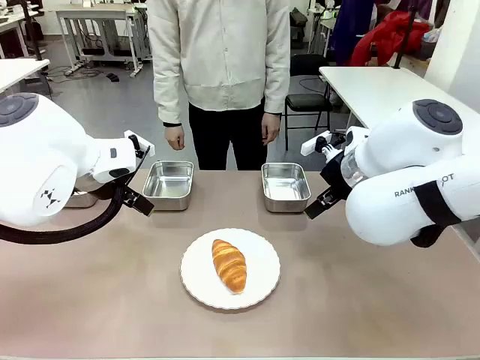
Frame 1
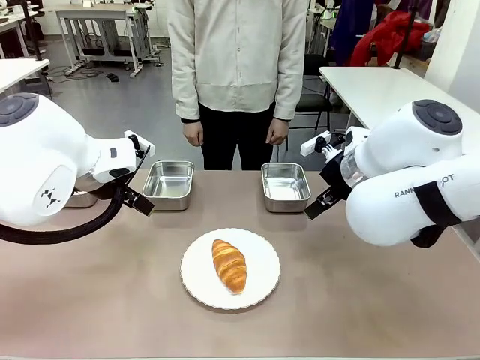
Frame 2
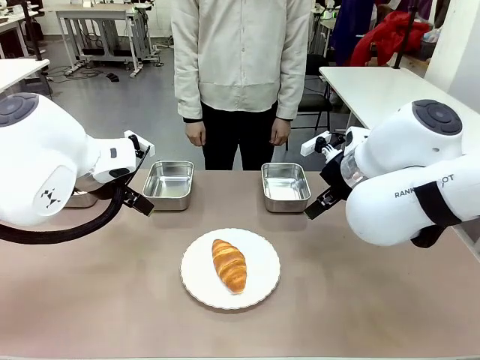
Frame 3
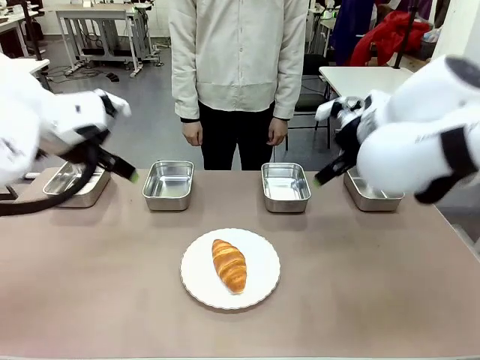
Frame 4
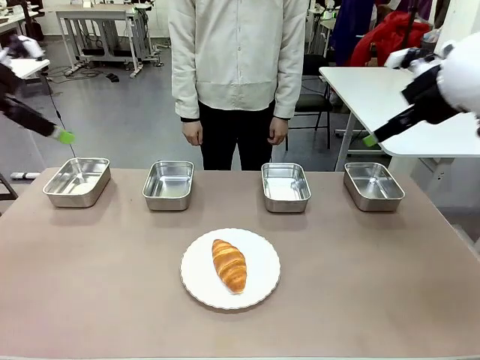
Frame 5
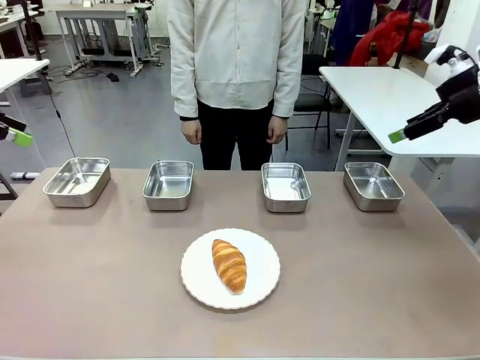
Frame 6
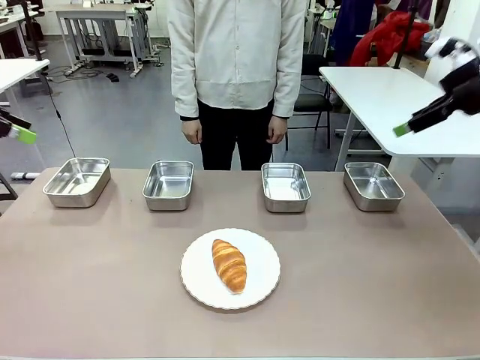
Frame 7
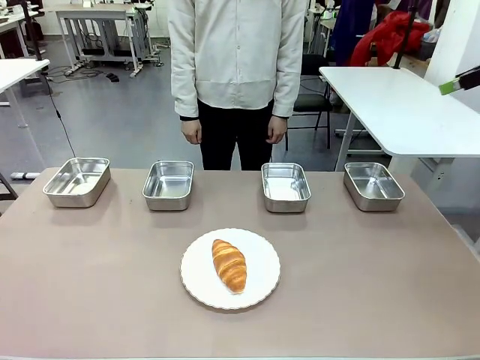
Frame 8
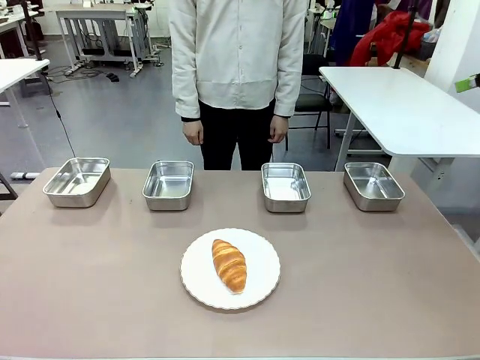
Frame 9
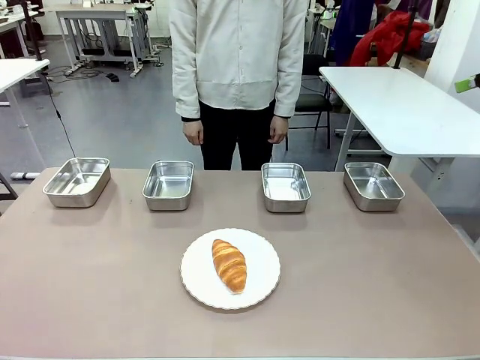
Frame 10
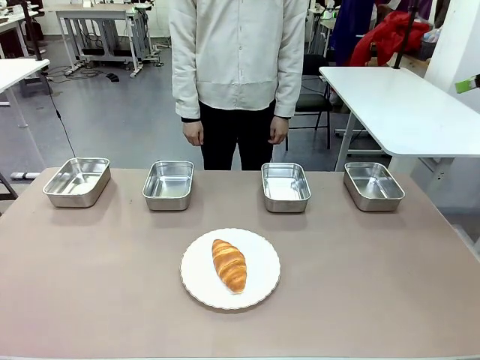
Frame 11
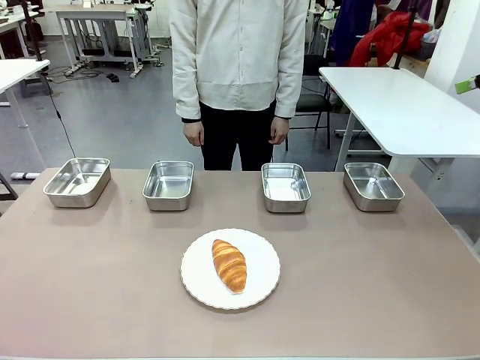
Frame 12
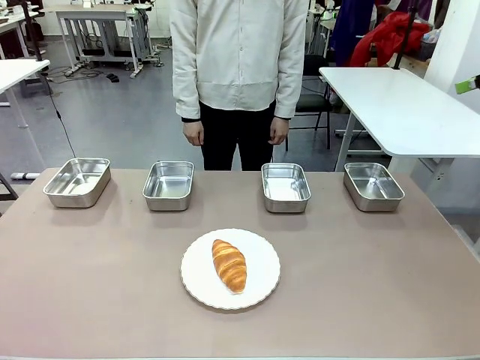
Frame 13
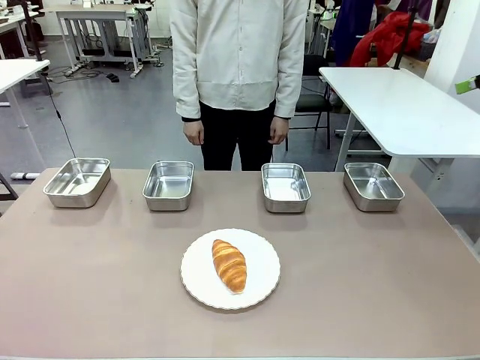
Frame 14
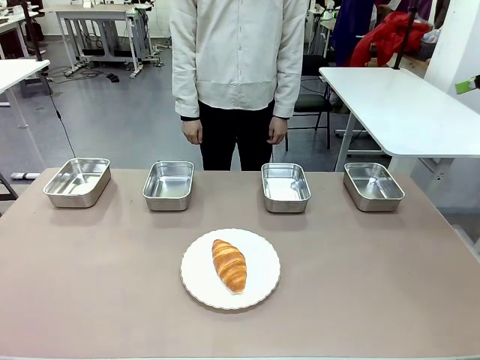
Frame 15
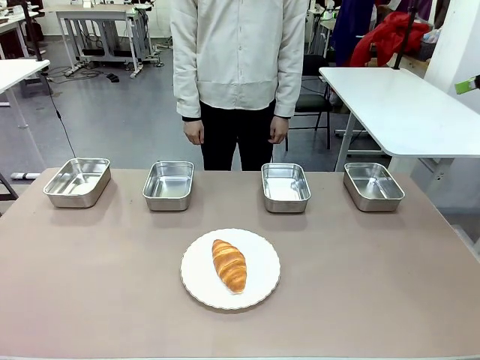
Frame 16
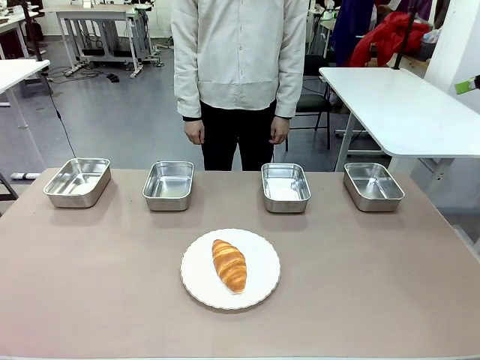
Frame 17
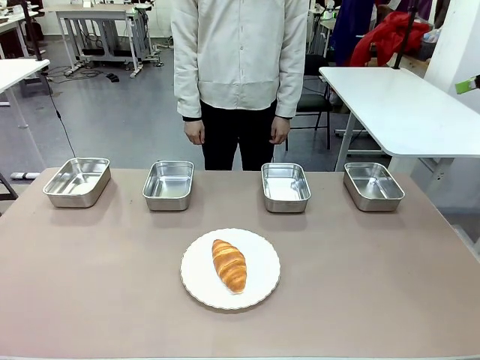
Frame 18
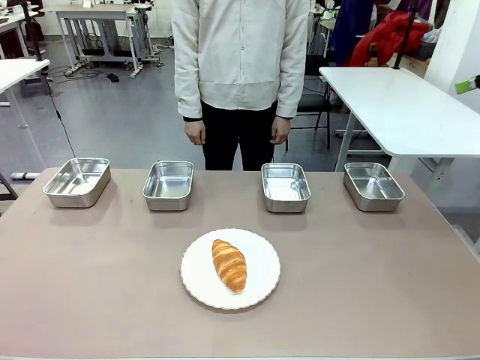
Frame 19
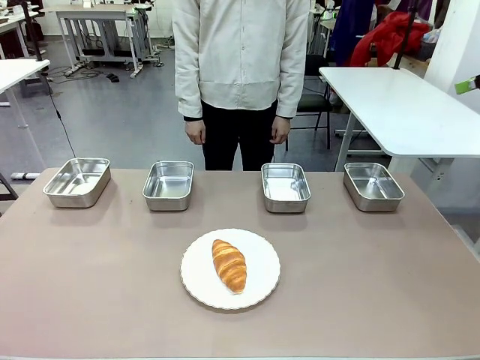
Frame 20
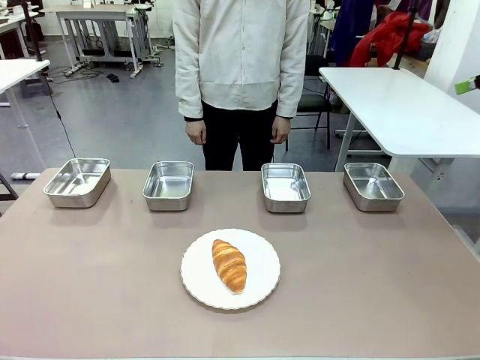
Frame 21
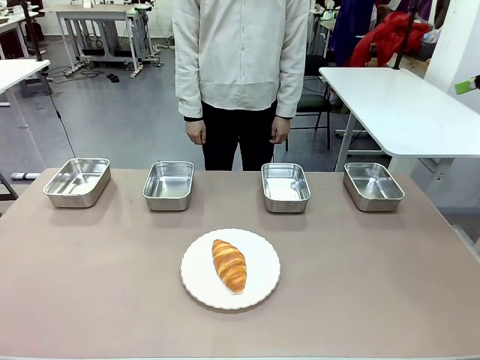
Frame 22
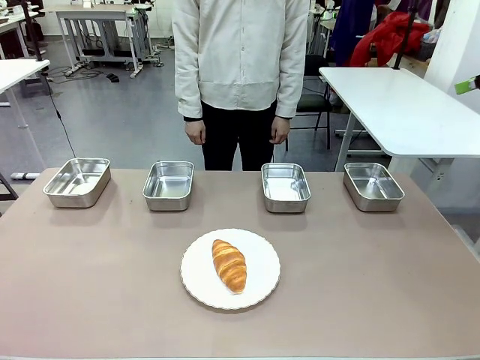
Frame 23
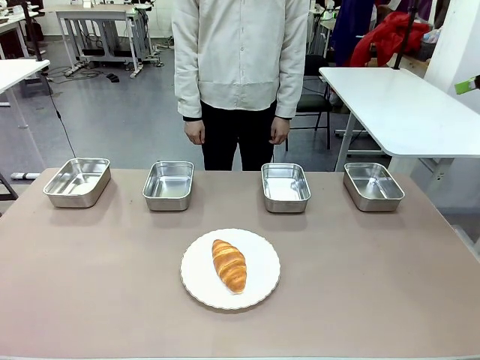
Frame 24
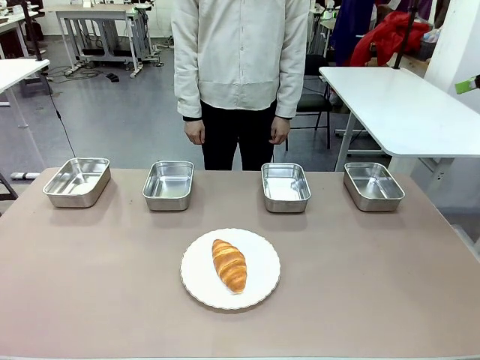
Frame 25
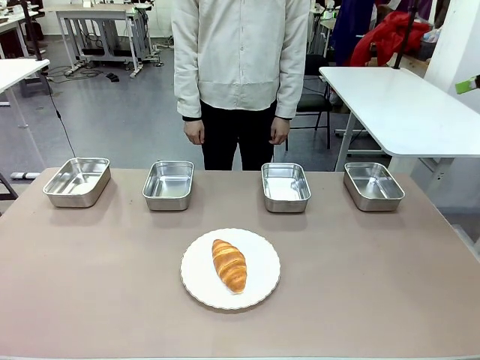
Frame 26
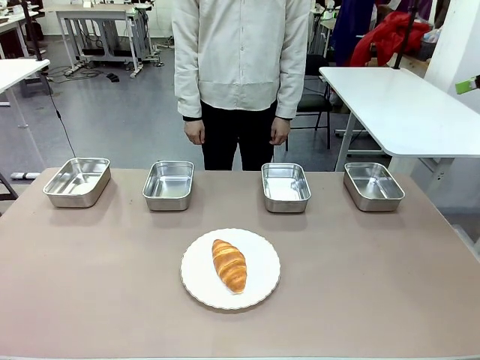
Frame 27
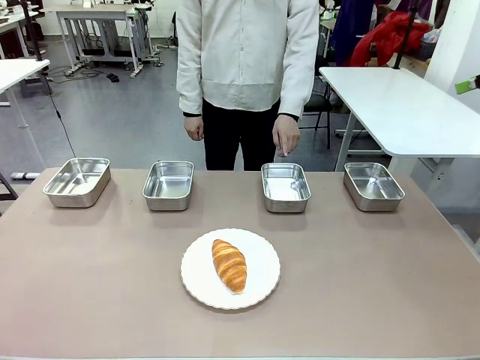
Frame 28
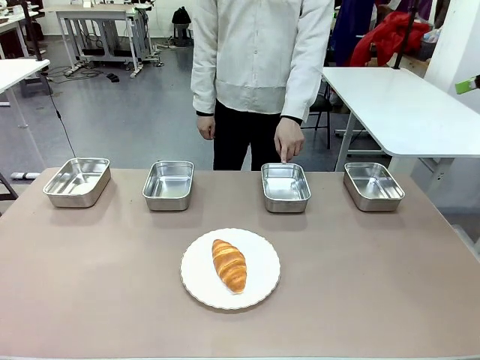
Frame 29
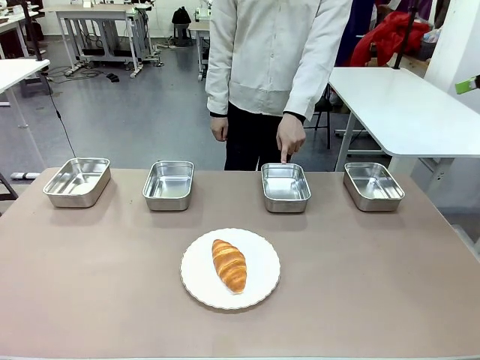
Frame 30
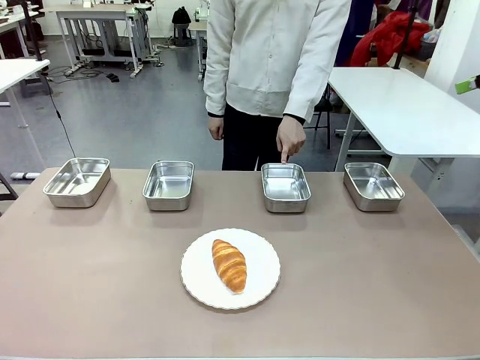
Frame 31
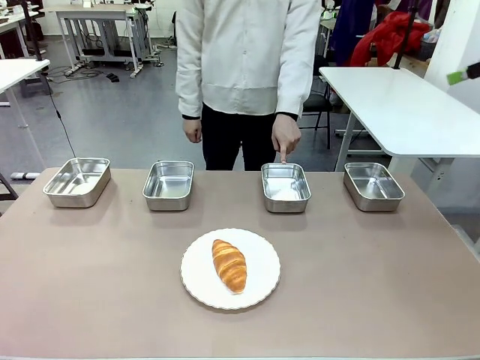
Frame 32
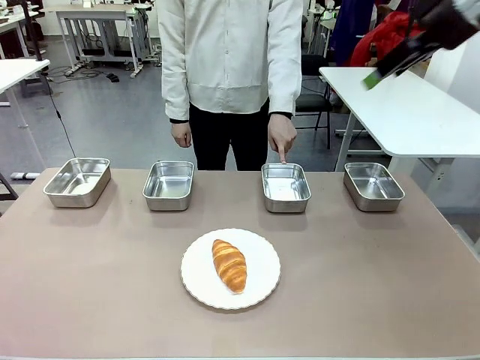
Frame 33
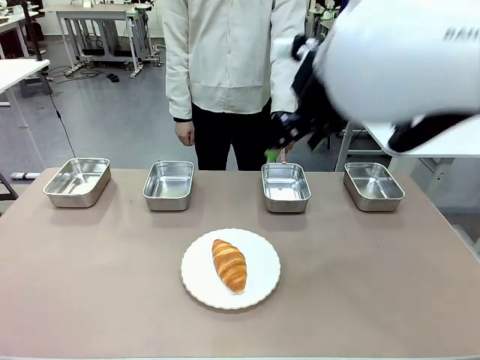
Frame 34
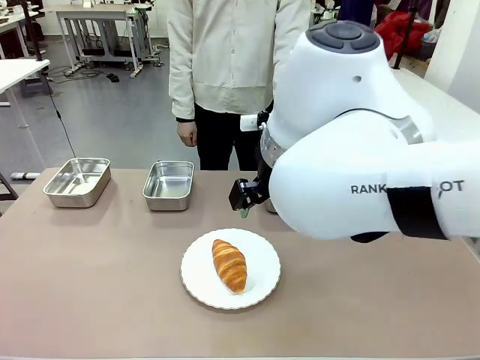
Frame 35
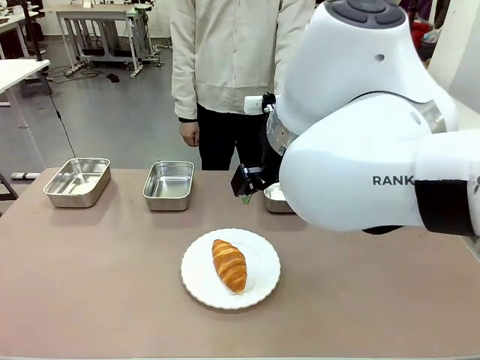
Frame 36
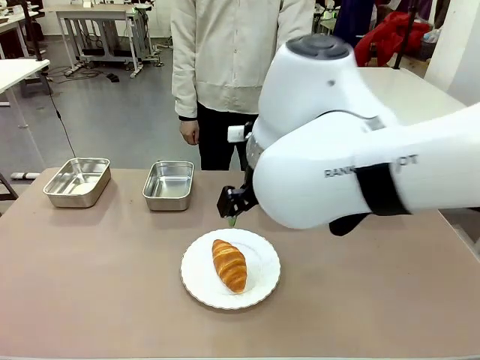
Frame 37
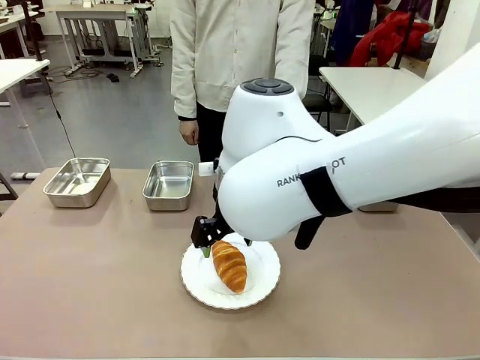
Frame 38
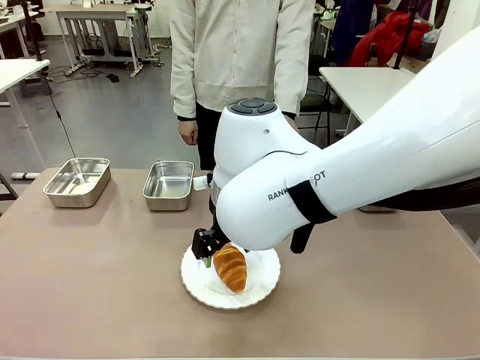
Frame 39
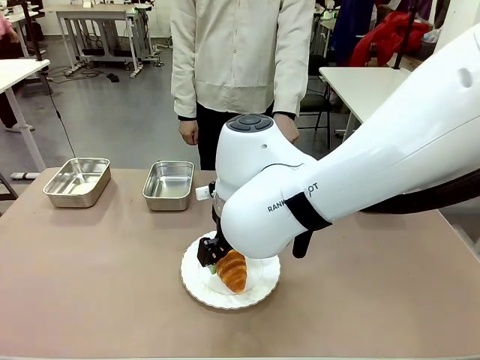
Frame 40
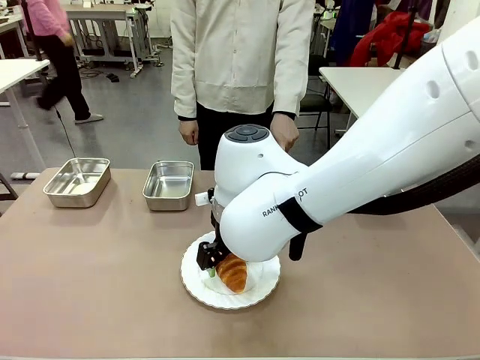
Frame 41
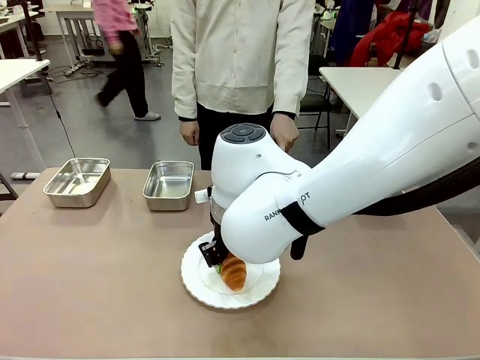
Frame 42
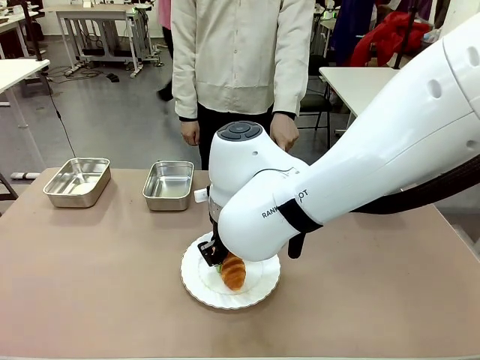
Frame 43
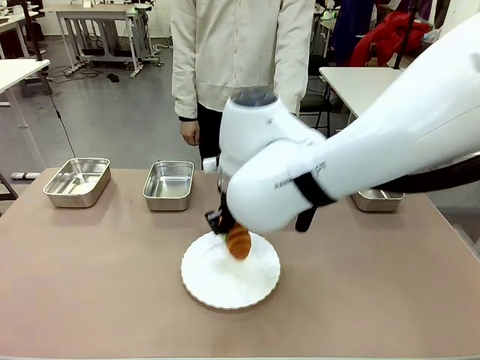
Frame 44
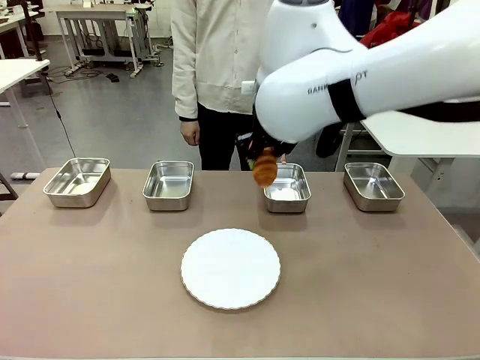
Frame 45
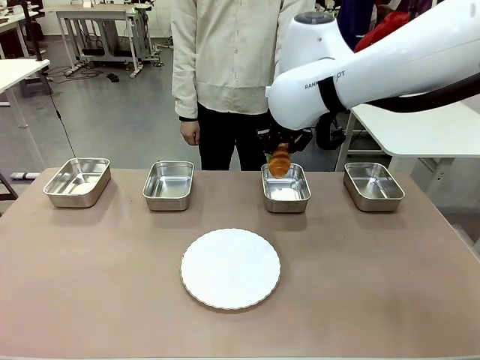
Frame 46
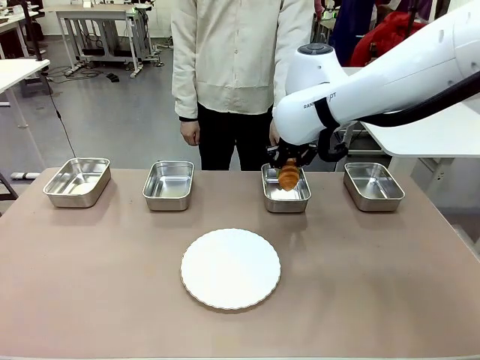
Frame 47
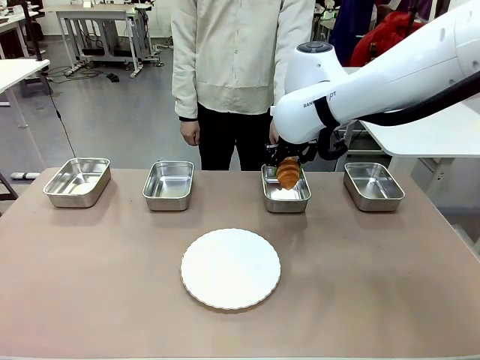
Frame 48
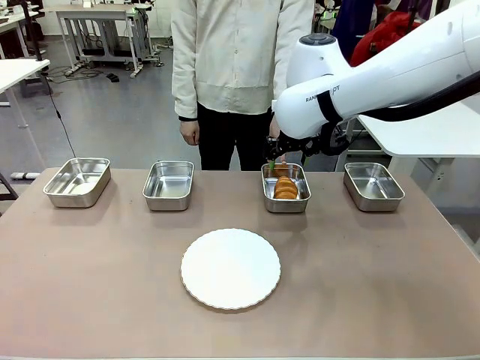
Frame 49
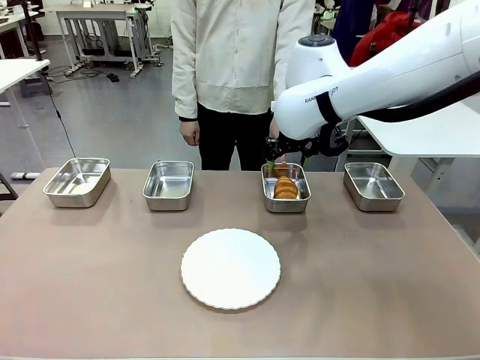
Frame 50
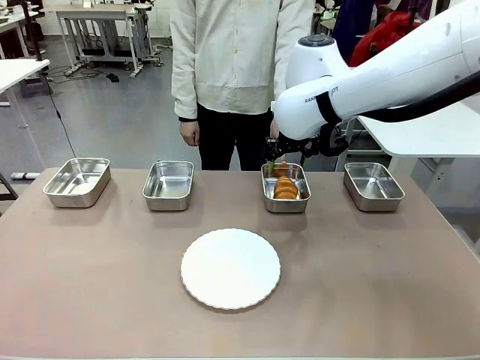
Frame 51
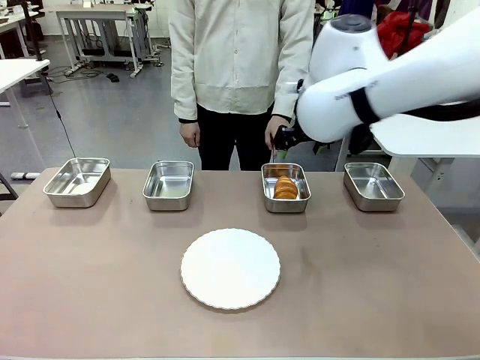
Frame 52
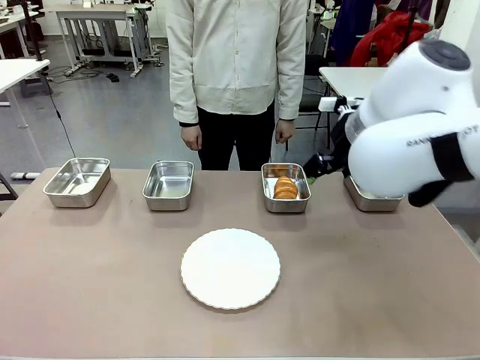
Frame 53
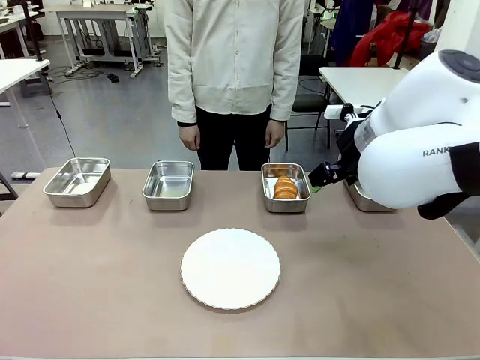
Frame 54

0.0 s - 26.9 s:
Task: Place the bread in the container.
Robot: Place the Butter Roll into the Airtight Container indicated by the human.
Person: A person randomly selects and points to an Airtight Container.
